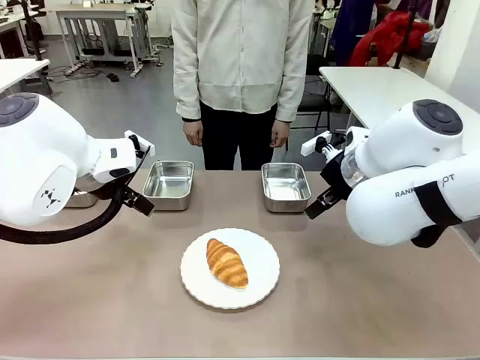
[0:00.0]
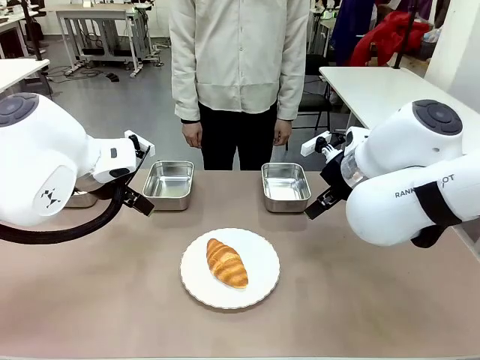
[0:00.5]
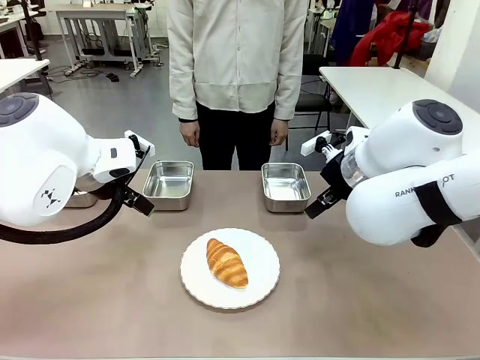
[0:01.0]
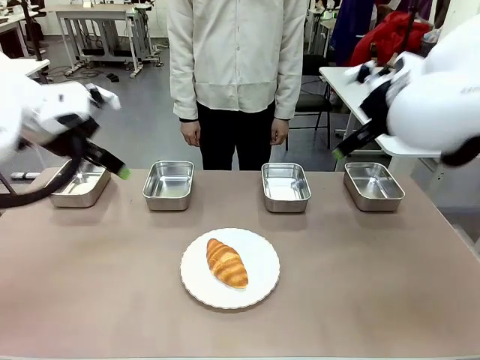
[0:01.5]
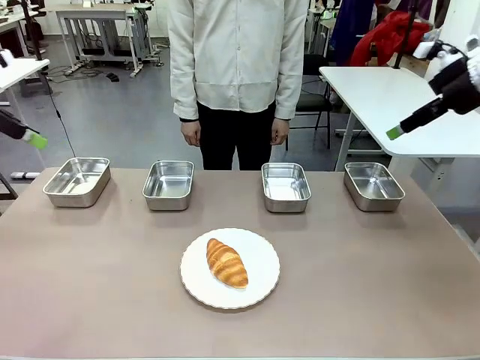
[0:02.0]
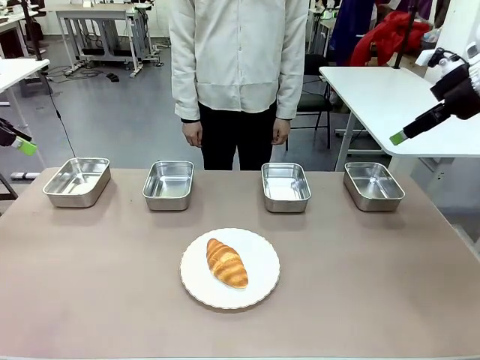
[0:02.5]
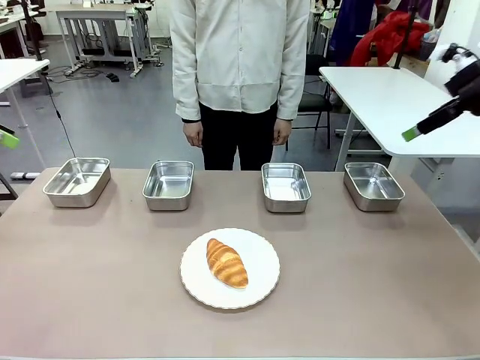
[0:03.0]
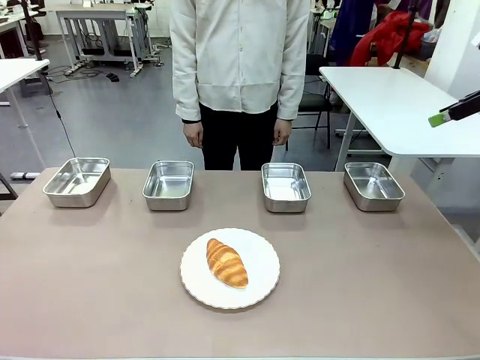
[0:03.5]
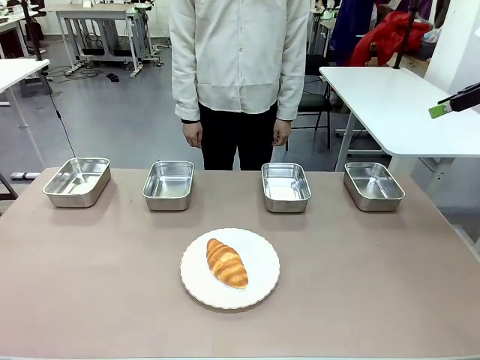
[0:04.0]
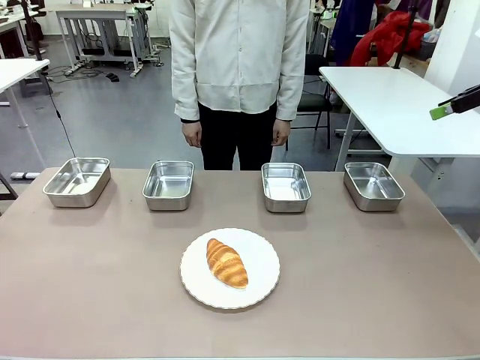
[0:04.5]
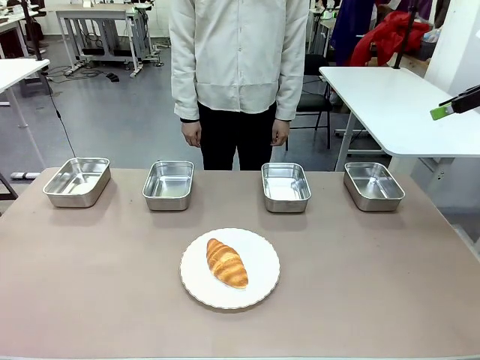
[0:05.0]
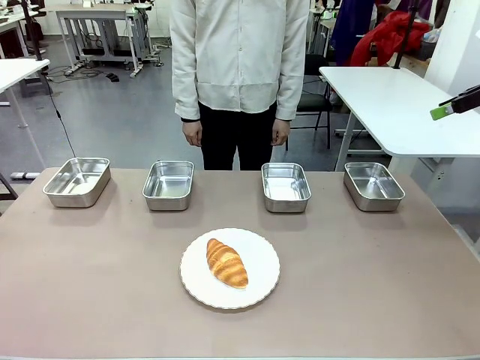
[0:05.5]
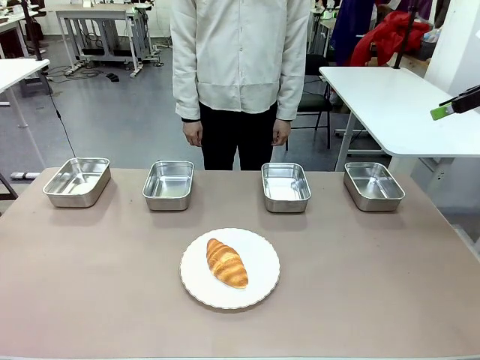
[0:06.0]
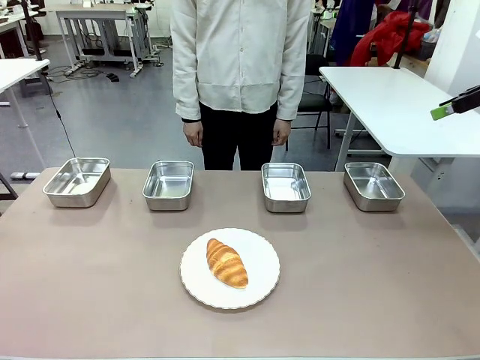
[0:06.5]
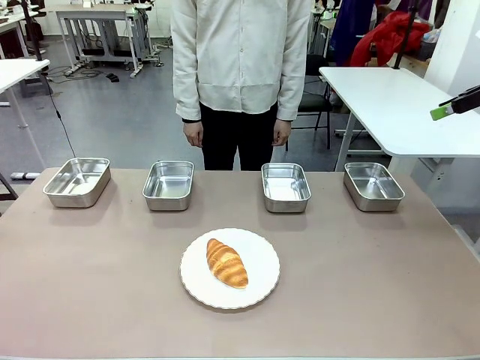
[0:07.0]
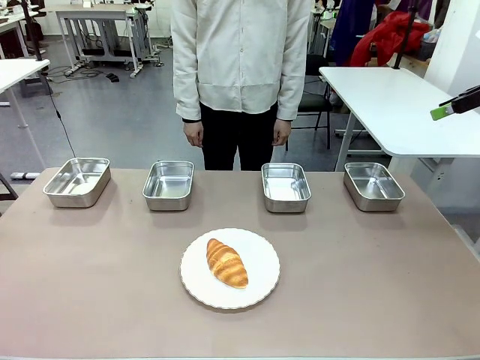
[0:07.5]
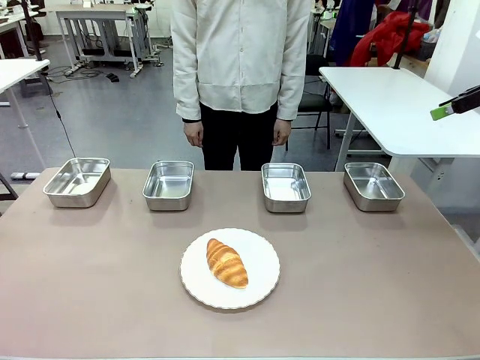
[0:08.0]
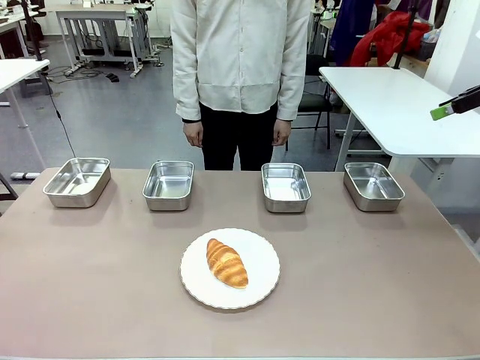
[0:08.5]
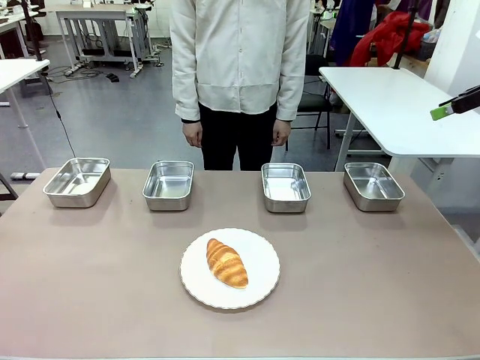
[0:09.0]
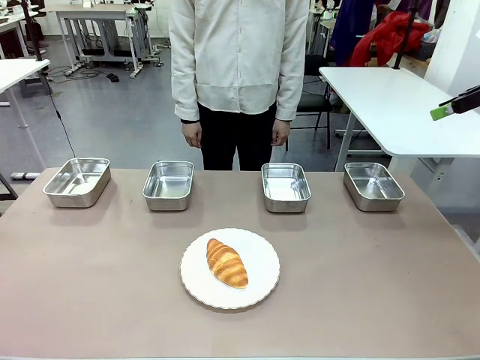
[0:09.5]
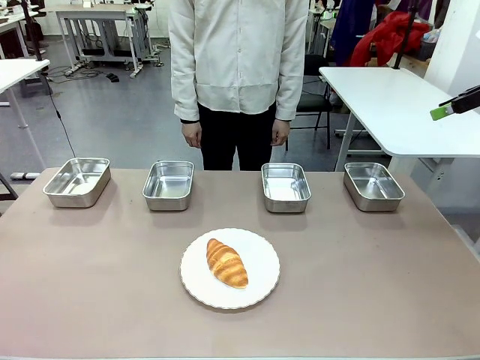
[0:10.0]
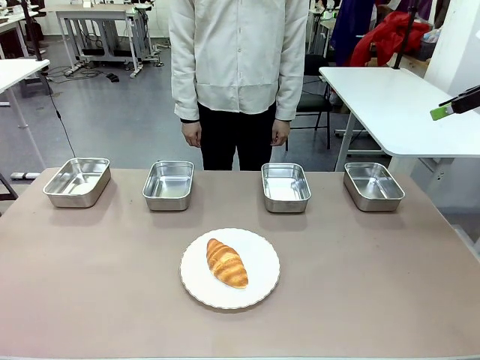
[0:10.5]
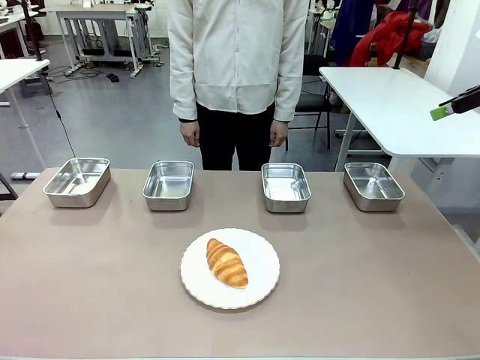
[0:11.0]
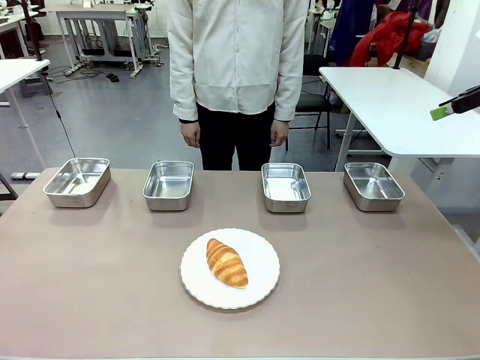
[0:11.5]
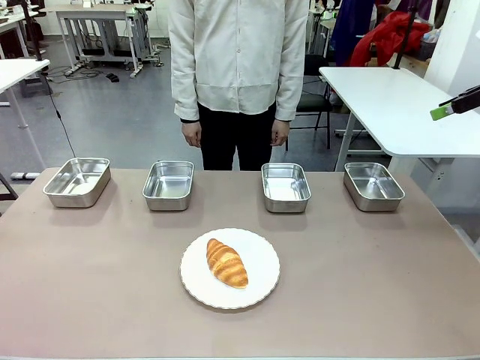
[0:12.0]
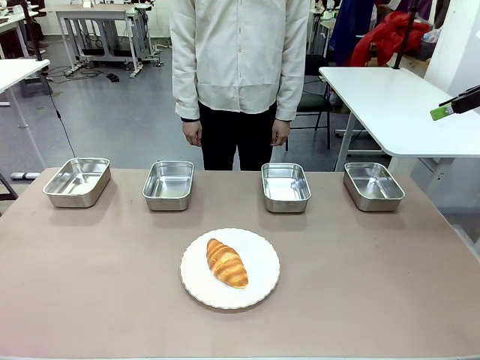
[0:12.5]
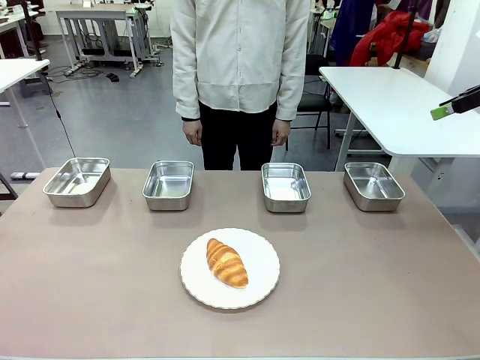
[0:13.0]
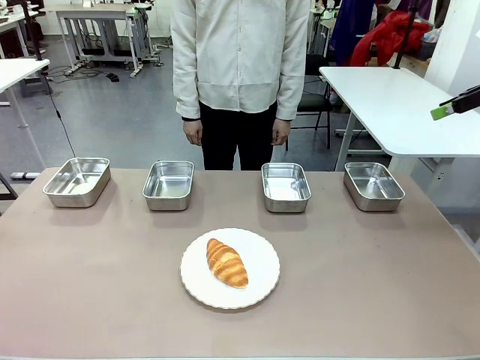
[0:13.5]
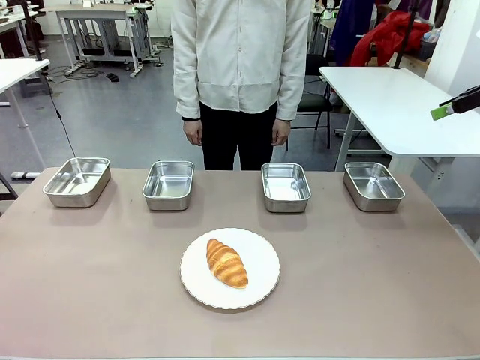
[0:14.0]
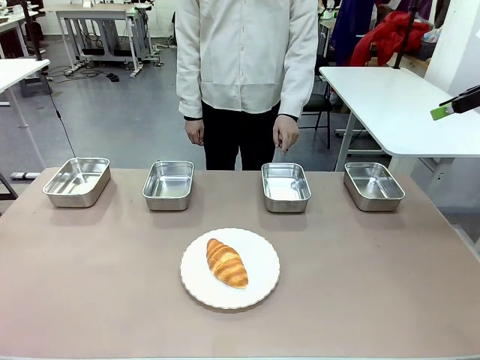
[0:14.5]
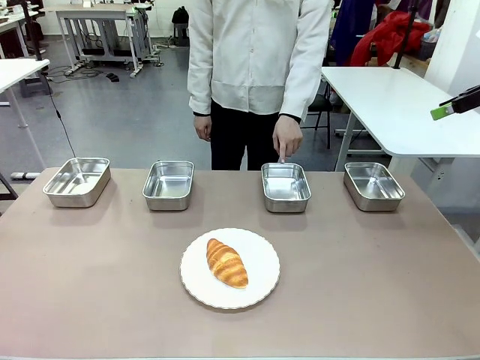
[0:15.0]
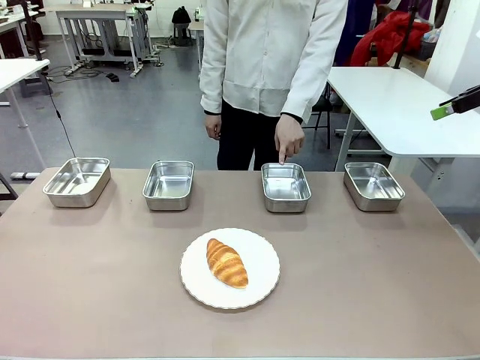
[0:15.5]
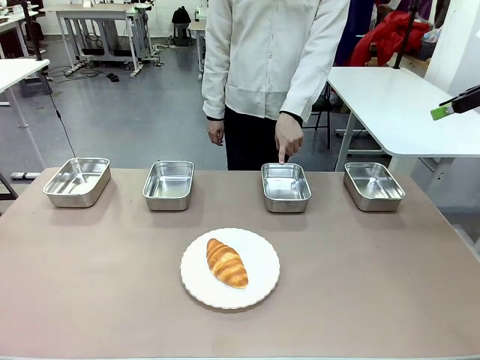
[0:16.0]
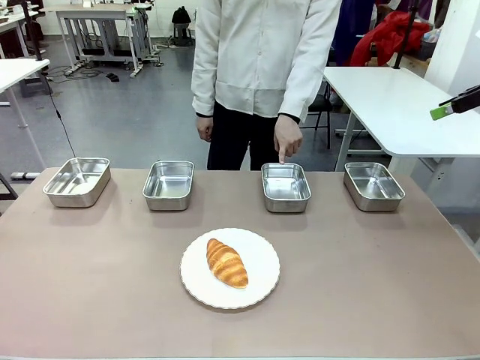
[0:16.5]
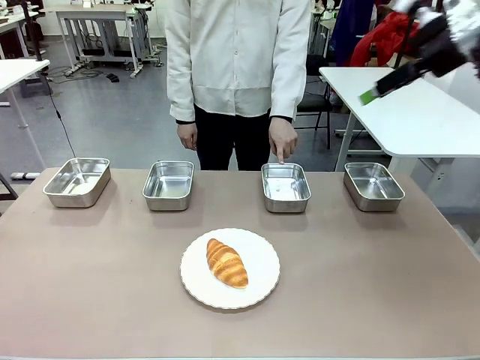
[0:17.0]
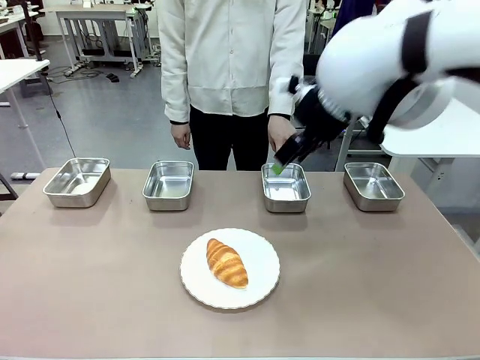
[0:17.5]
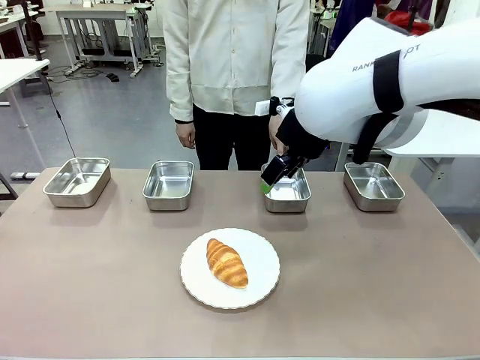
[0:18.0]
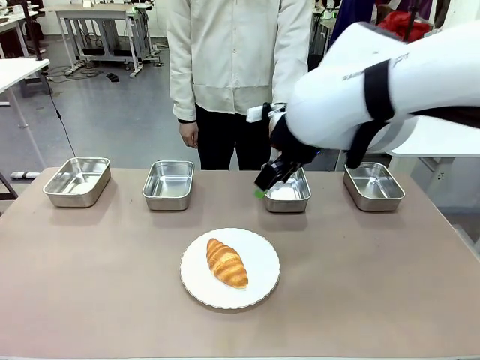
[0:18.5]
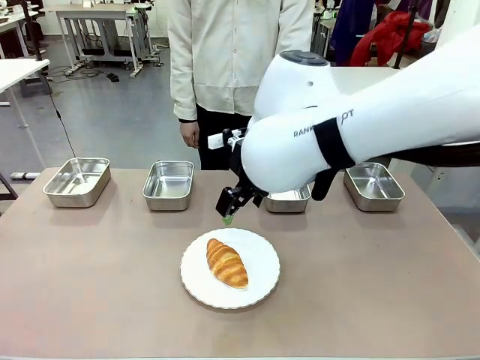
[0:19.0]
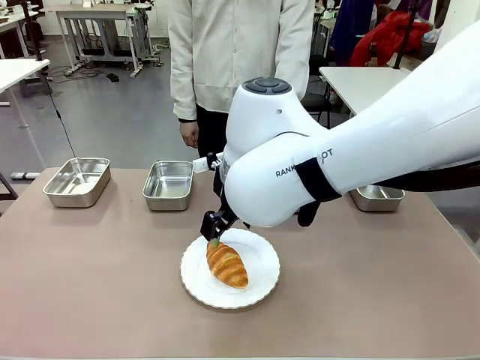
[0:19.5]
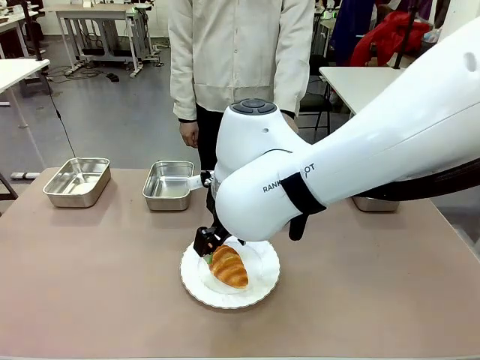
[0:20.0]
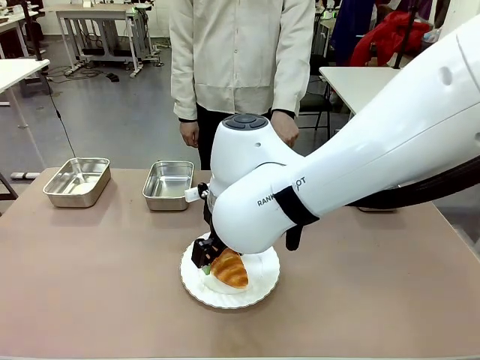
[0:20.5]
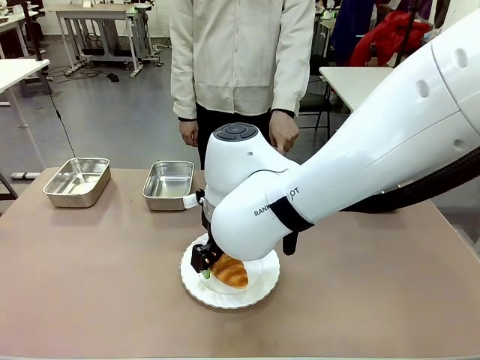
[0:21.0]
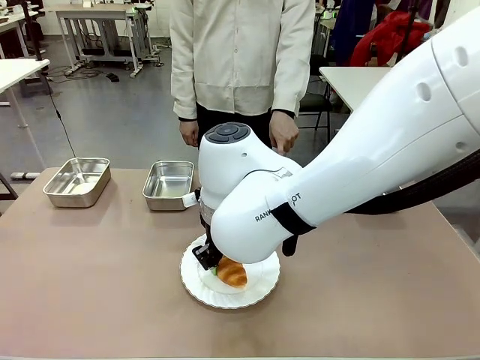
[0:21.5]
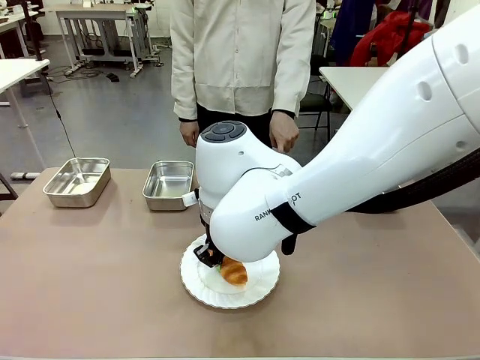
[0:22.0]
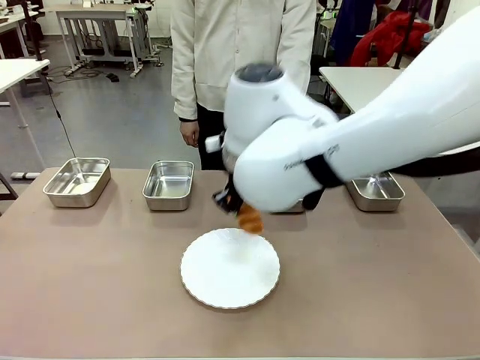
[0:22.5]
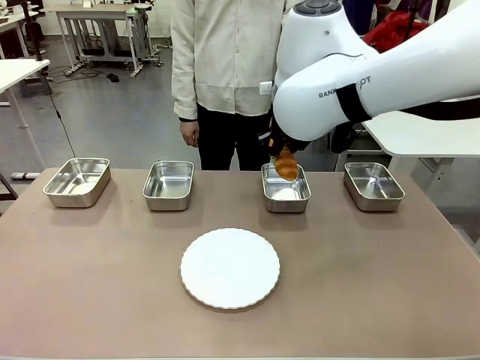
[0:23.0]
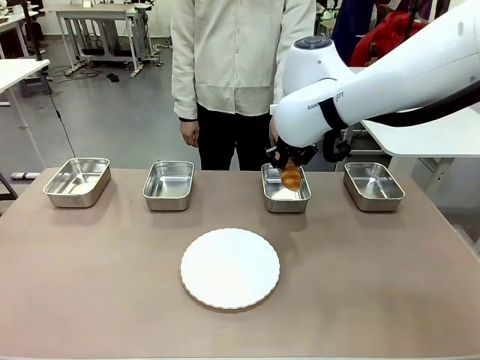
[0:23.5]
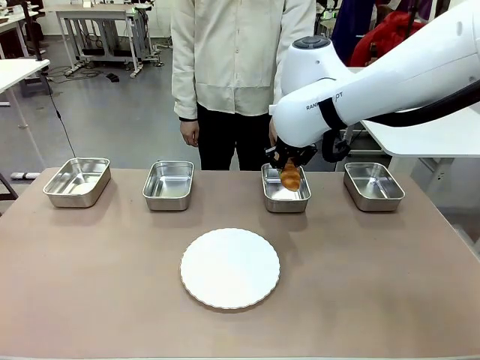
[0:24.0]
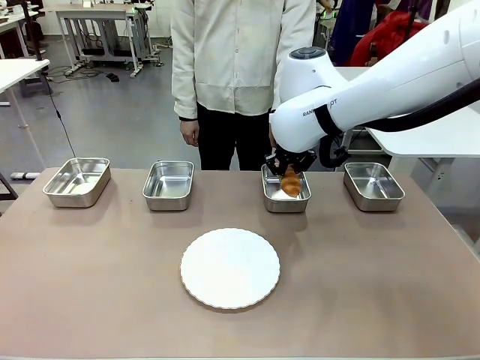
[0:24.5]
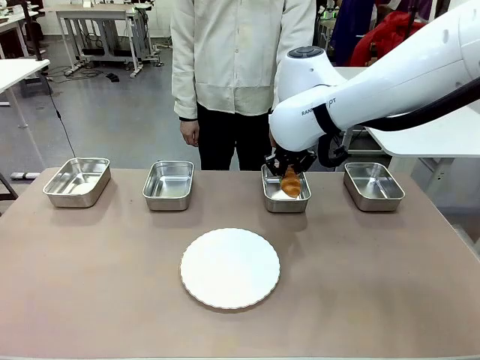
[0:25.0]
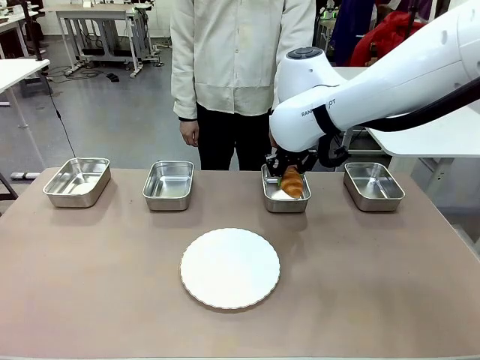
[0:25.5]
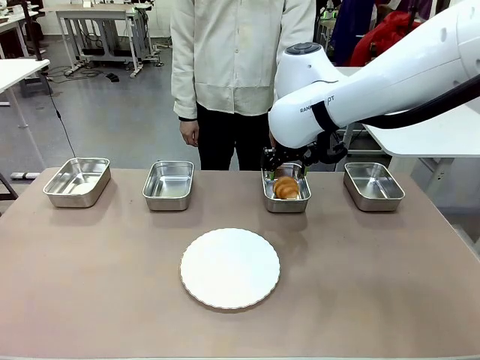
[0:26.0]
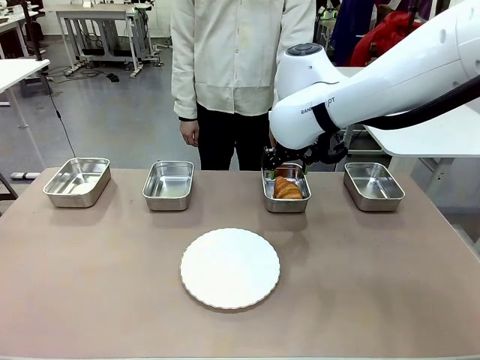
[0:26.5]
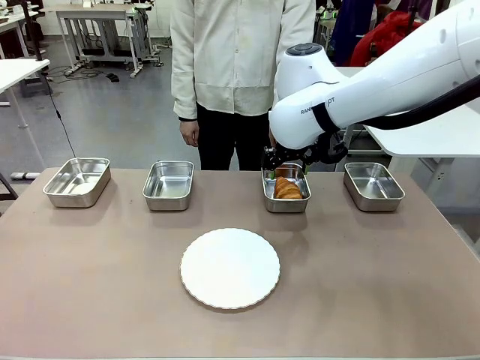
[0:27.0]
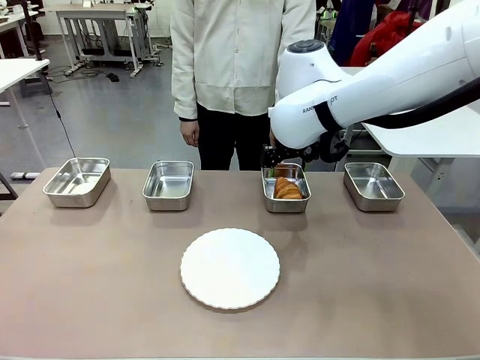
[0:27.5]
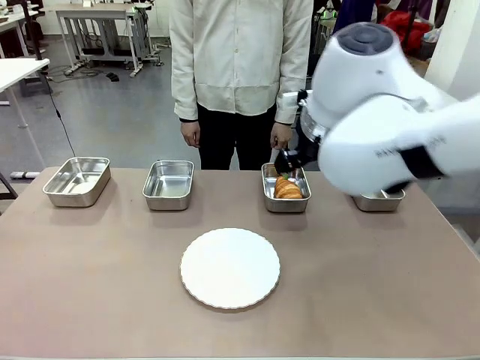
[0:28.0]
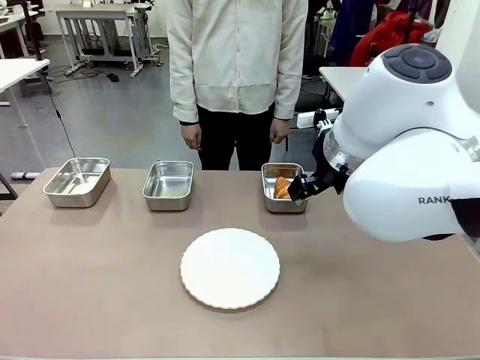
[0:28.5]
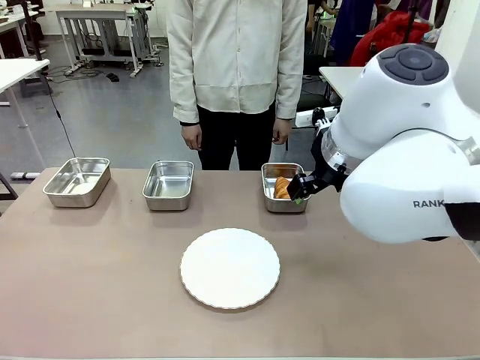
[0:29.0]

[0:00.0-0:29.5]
Task: Place the bread in the container.
Robot: Place the Butter Roll into the Airtight Container indicated by the human.
Person: A person randomly selects and points to an Airtight Container.
